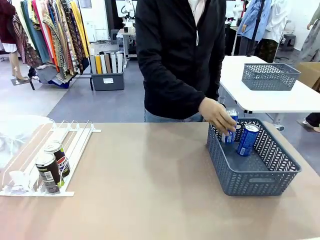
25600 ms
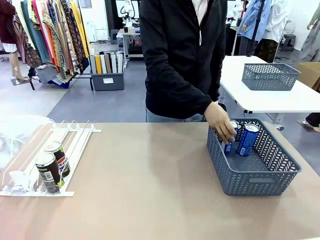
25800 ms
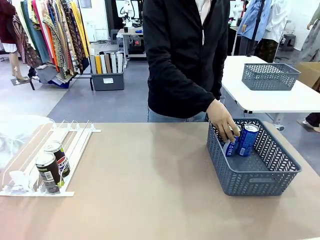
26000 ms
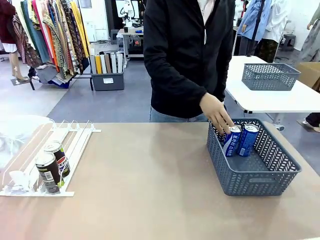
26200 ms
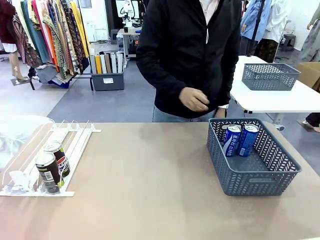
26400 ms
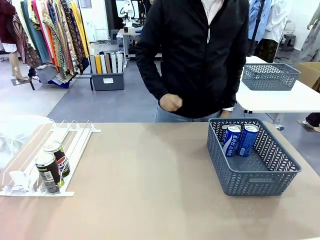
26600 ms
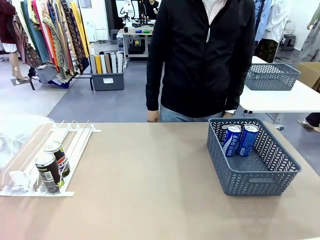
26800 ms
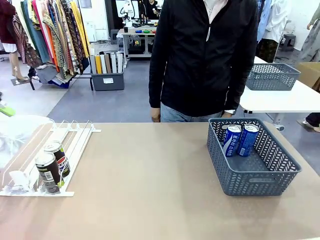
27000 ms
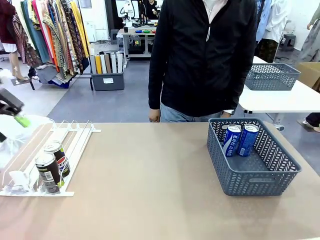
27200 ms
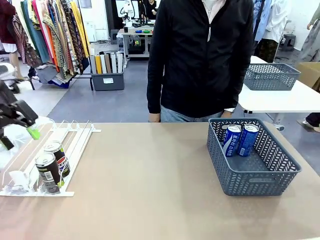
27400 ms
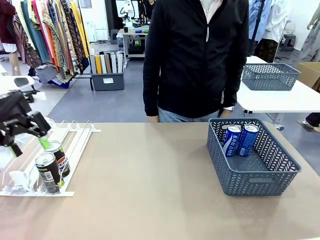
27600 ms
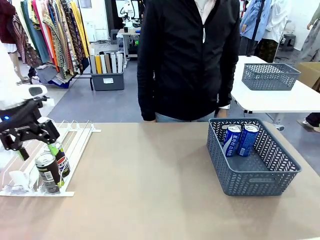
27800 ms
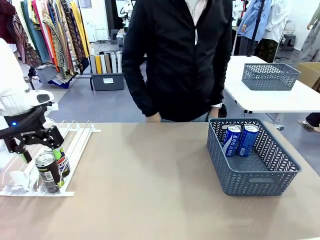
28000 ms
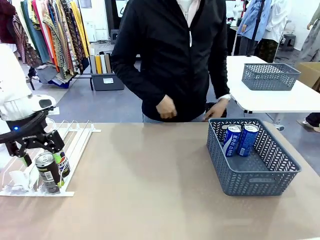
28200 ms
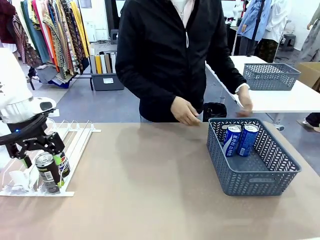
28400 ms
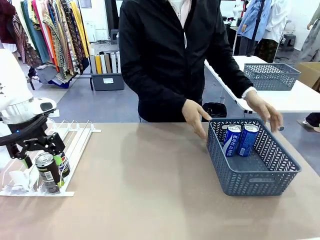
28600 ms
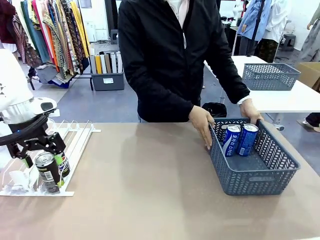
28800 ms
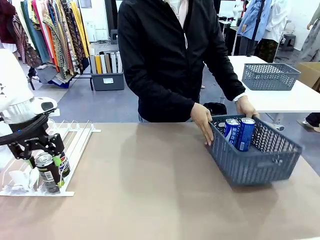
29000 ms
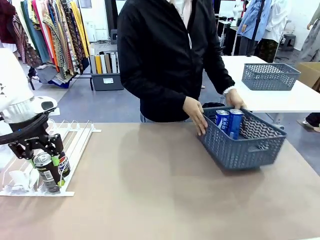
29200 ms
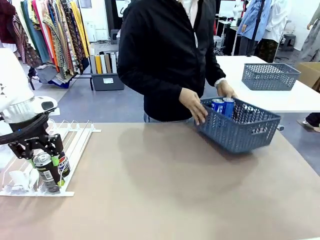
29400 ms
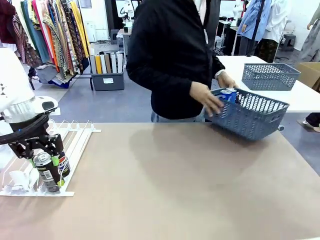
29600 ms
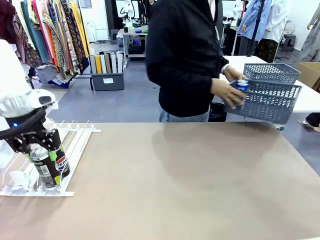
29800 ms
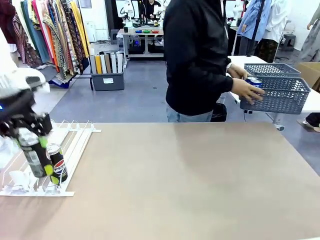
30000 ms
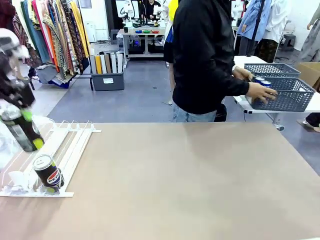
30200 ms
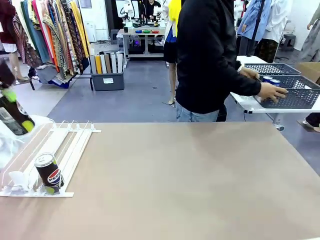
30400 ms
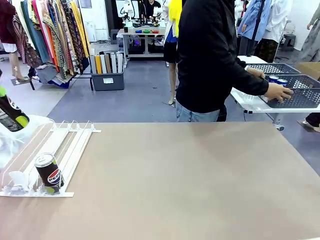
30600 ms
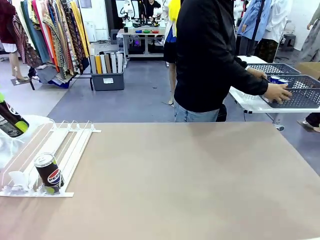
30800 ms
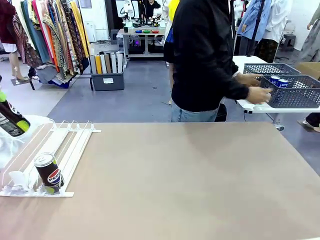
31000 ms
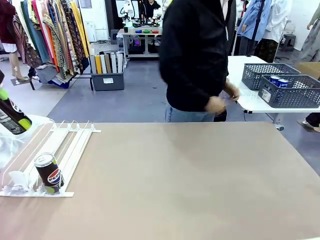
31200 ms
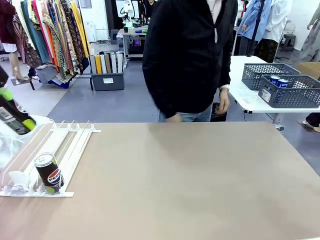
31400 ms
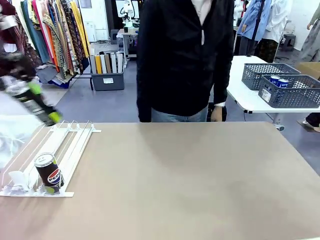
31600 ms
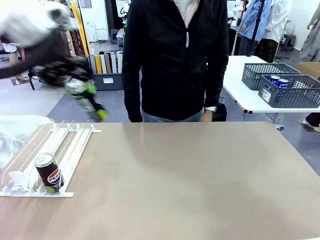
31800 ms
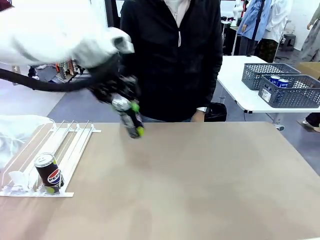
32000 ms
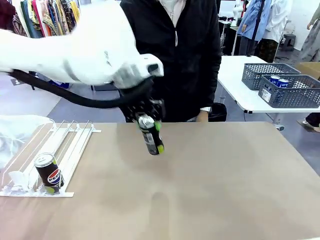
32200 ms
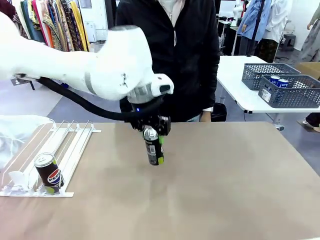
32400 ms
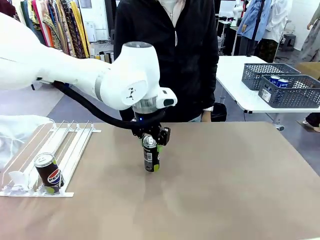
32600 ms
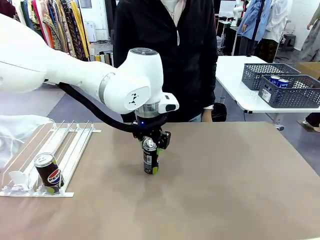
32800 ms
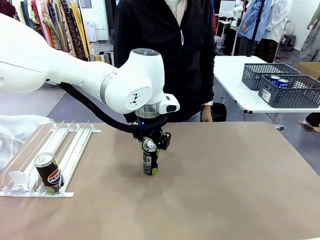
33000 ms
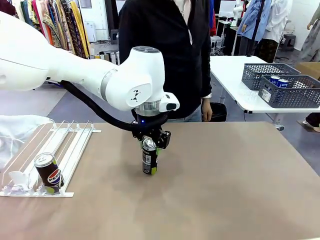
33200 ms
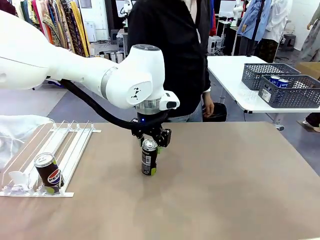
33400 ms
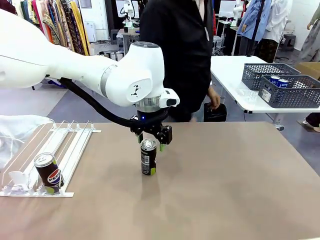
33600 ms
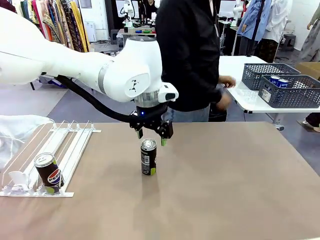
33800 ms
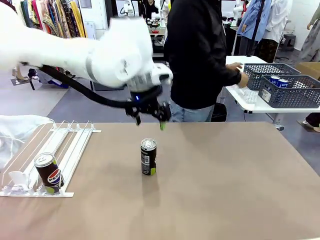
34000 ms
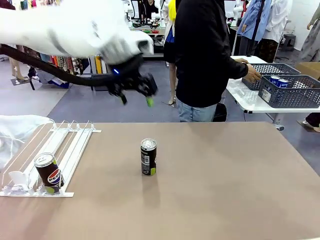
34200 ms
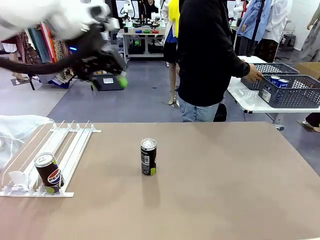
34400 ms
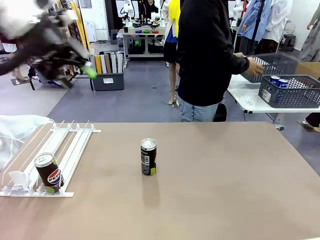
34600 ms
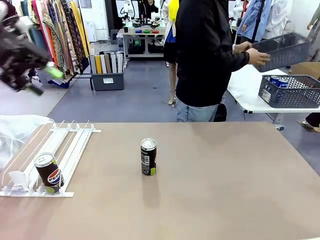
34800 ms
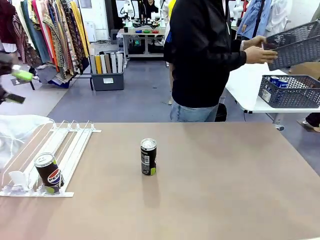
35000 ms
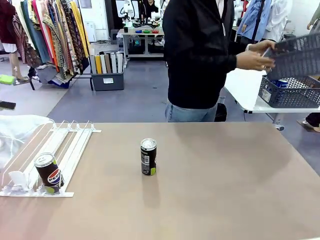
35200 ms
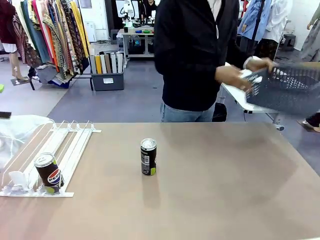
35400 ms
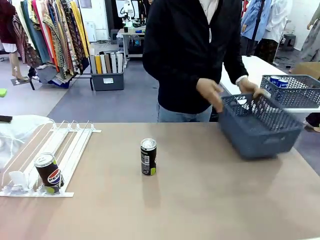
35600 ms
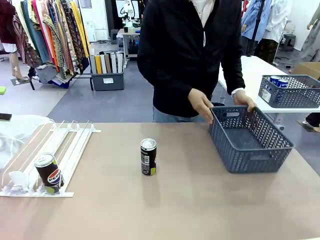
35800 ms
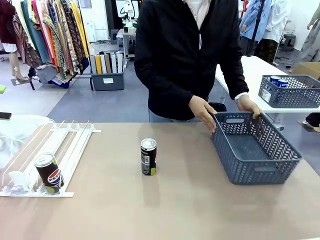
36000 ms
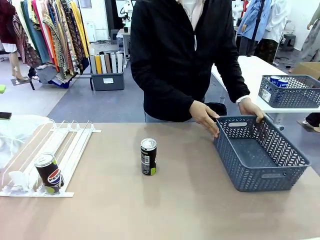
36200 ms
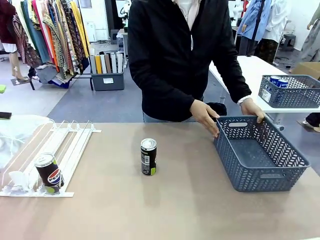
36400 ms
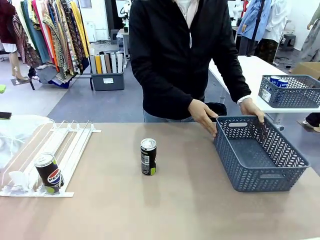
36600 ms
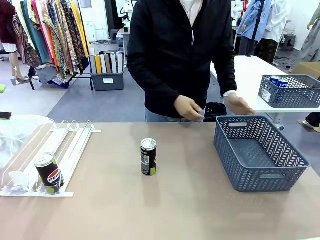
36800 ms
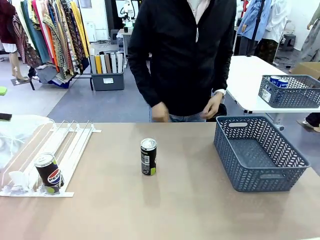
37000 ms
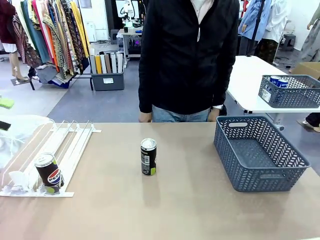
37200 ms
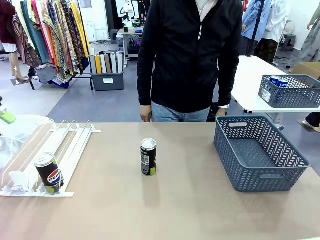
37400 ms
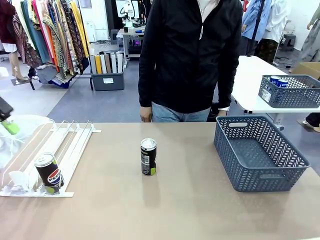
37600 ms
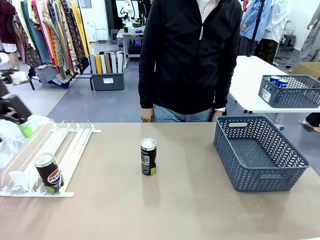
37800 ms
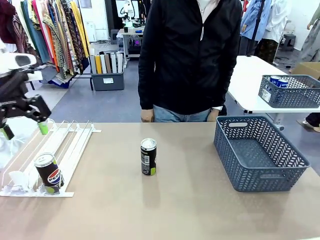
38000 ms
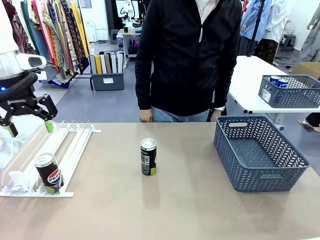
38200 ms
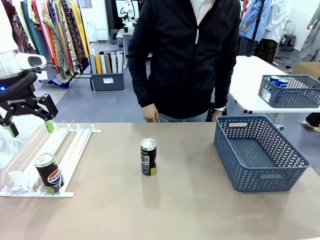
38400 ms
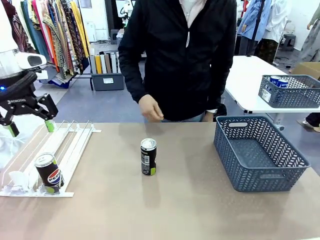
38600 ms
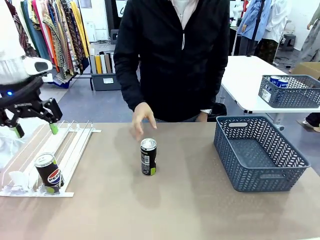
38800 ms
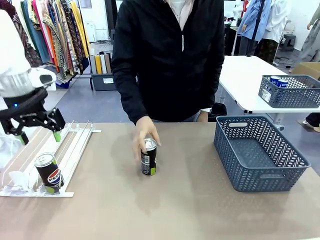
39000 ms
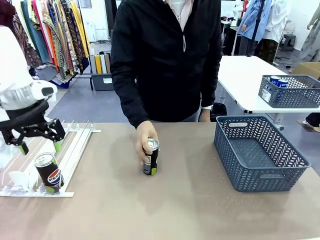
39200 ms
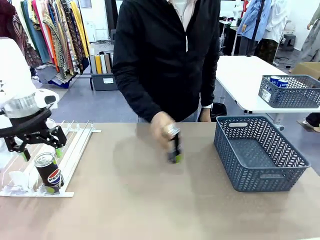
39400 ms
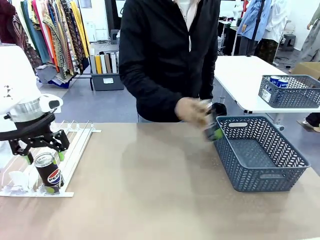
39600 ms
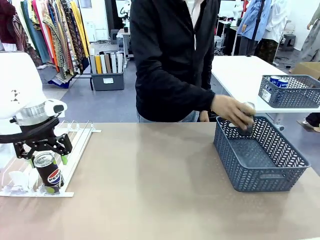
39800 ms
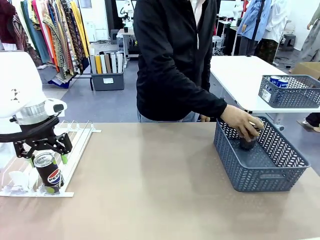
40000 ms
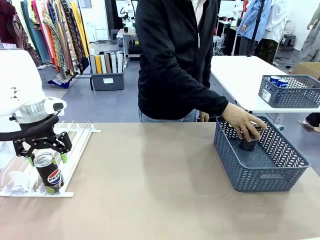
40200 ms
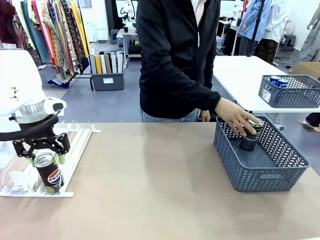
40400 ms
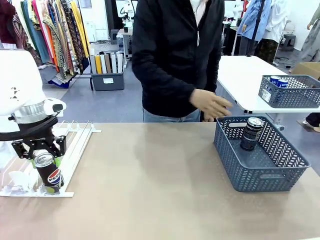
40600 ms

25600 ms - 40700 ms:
Task: Retrieve and store the cans from the dispenser.
Robot: Pick up one can from the Automatic Can Dispenser and place it in the middle of the table.
Person: Pick up the basket and place it in the middle of the human table. Pick up the empty basket and place it on the left side of the robot table.

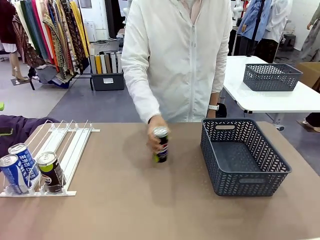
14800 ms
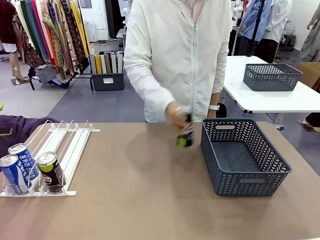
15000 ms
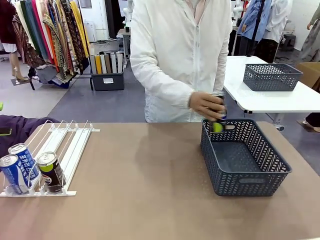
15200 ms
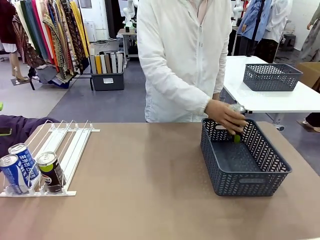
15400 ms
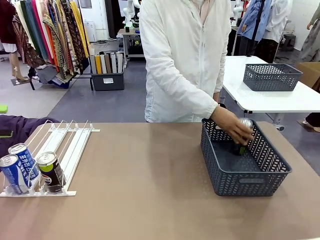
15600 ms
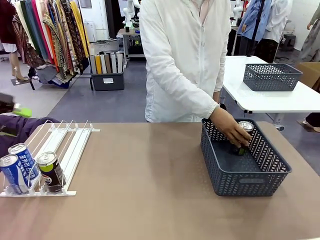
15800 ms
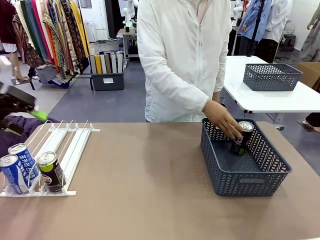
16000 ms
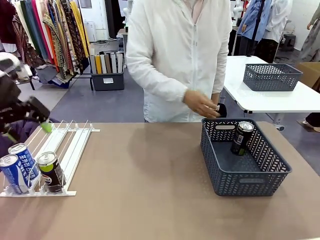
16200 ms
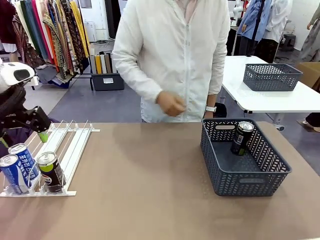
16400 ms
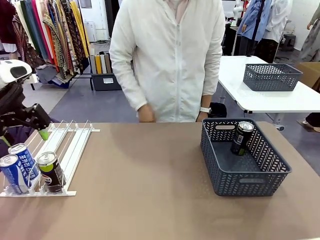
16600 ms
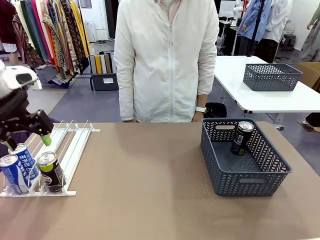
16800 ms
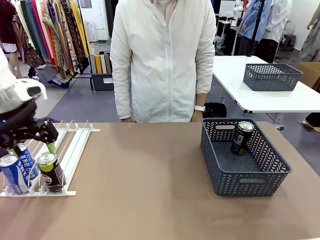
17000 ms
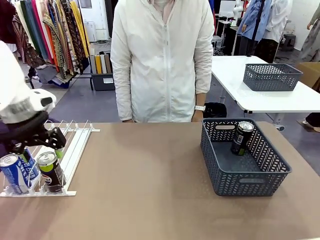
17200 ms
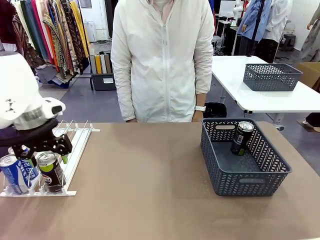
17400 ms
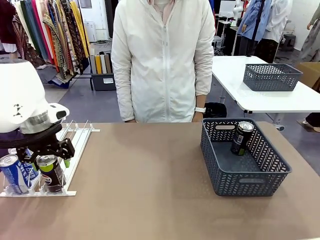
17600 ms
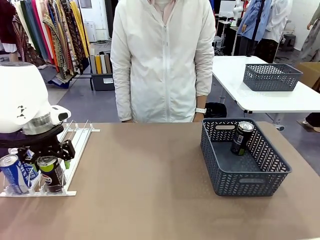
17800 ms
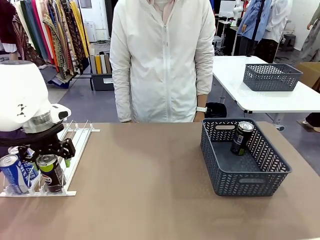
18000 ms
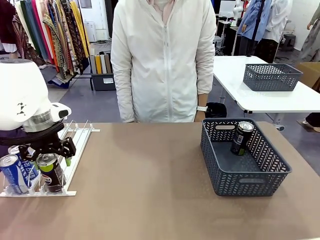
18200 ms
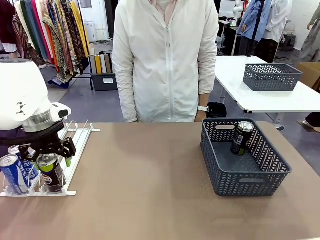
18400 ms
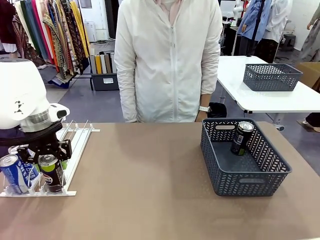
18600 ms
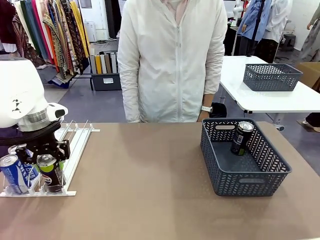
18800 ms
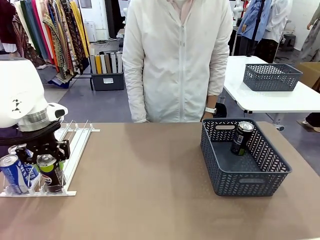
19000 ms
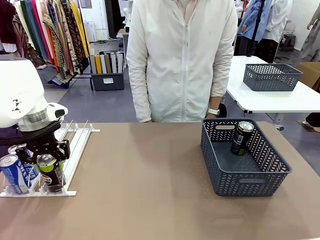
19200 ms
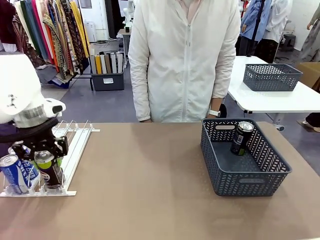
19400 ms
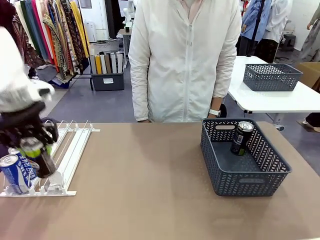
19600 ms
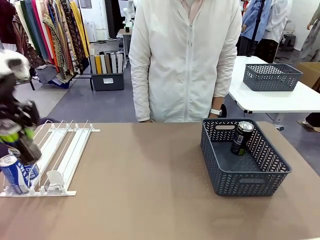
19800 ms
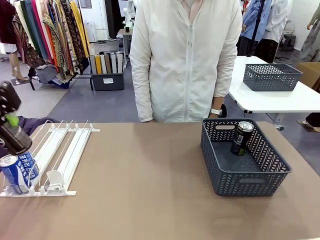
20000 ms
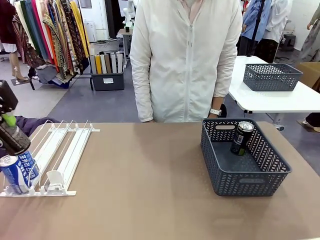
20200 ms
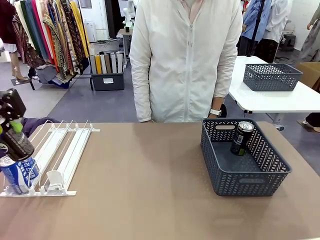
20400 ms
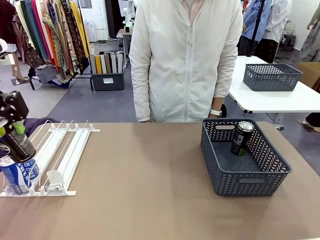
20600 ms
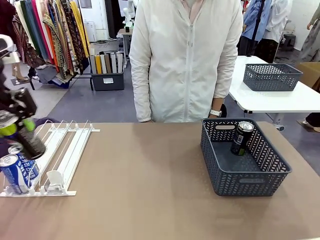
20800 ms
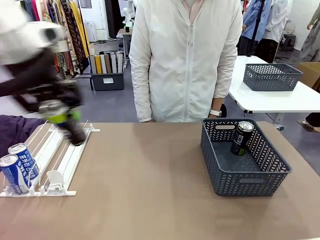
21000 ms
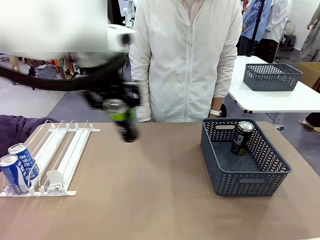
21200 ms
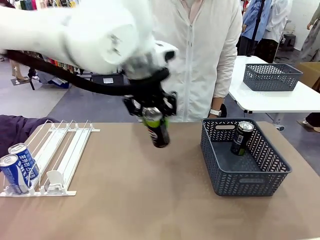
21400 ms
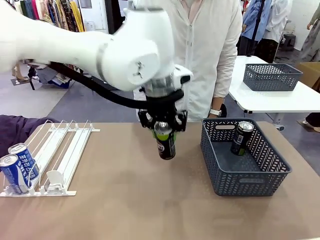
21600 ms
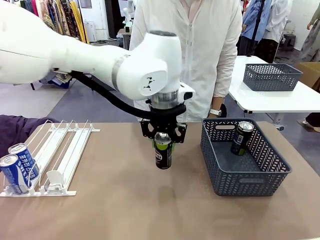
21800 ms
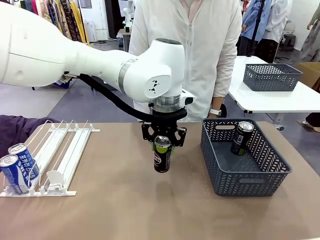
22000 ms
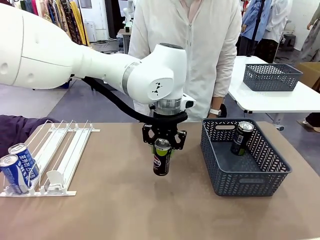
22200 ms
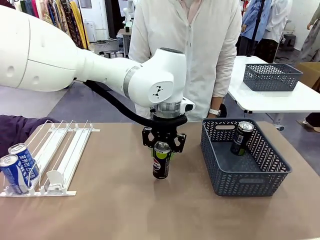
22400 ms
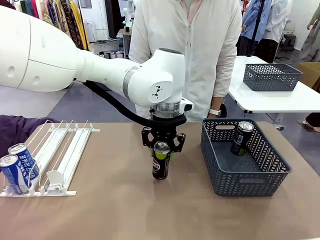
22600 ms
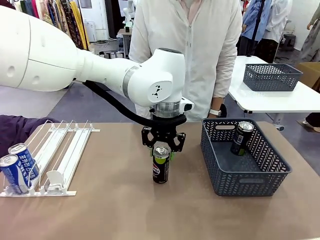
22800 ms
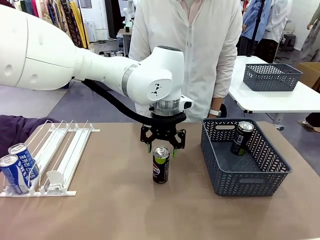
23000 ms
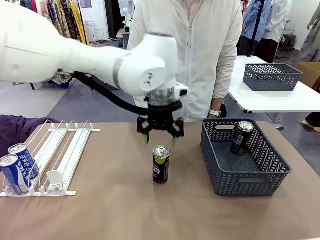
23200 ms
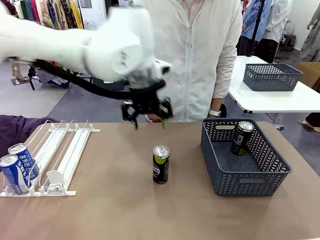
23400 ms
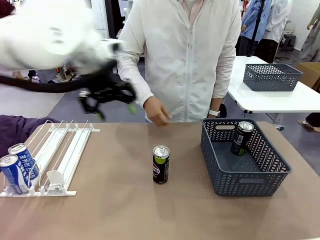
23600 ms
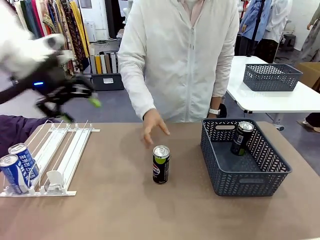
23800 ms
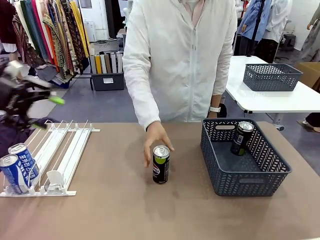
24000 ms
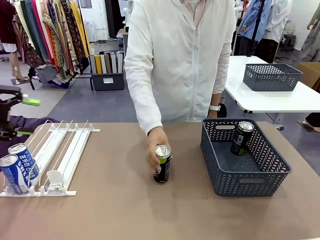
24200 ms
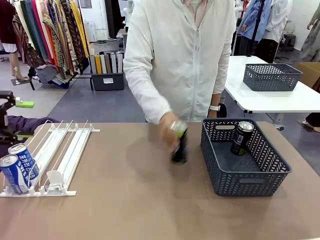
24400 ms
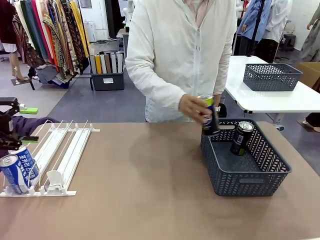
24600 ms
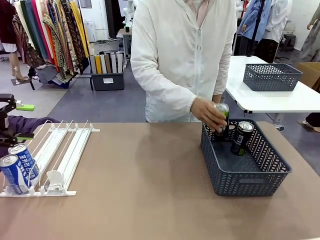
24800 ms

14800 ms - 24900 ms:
Task: Retrieve and store the cans from the dispenser.
Robot: Pick up the last remaining can from one row of the Automatic Can Dispenser and place it in the middle of the table.
Person: Pick up one Pepsi can from the middle of the robot table and place it in the basket.
